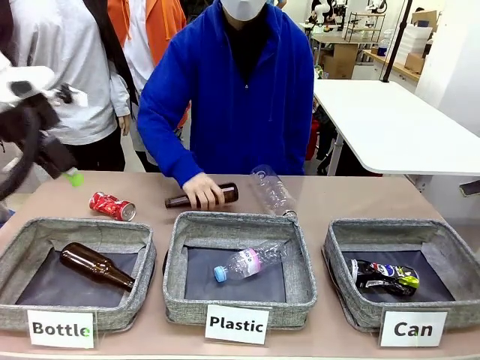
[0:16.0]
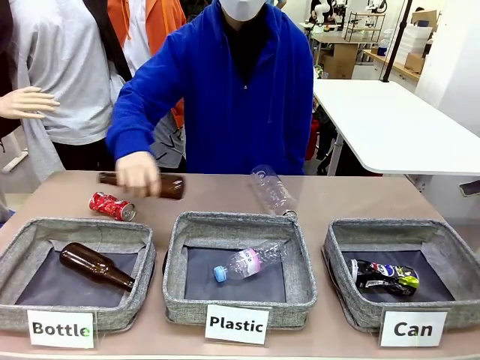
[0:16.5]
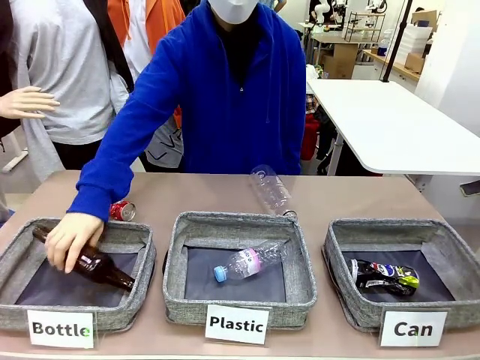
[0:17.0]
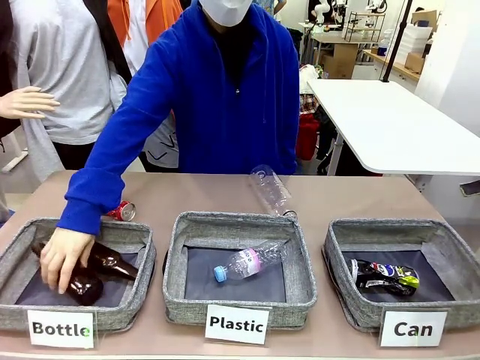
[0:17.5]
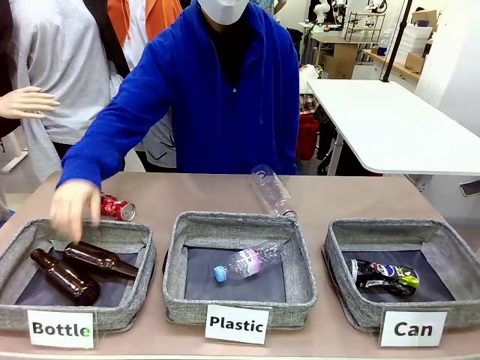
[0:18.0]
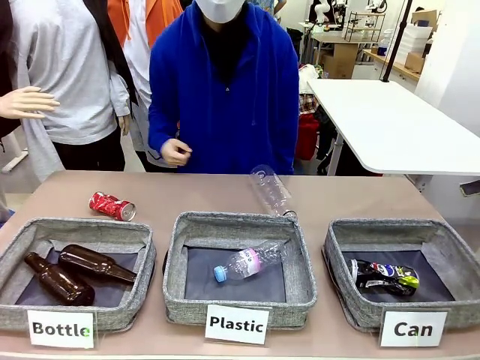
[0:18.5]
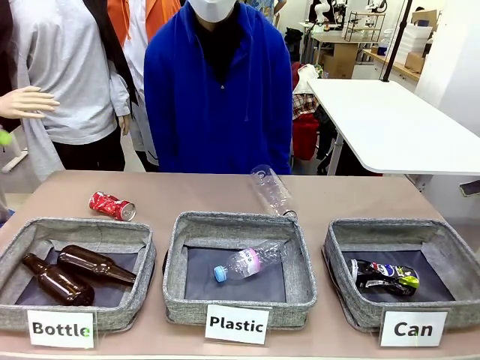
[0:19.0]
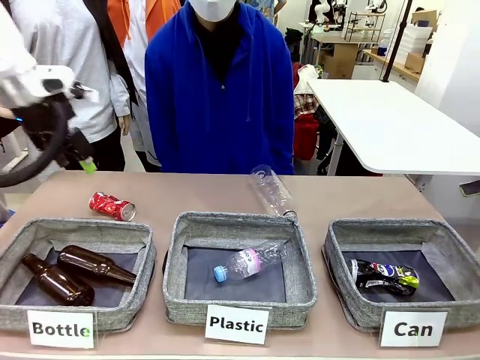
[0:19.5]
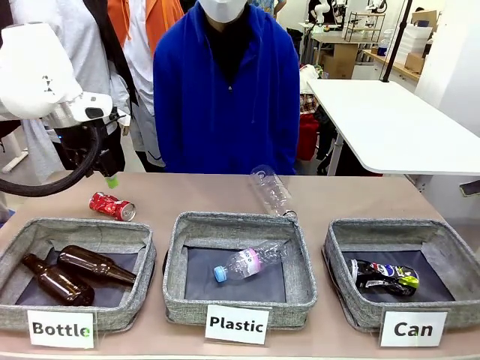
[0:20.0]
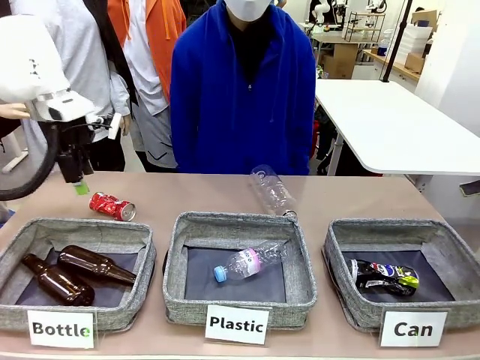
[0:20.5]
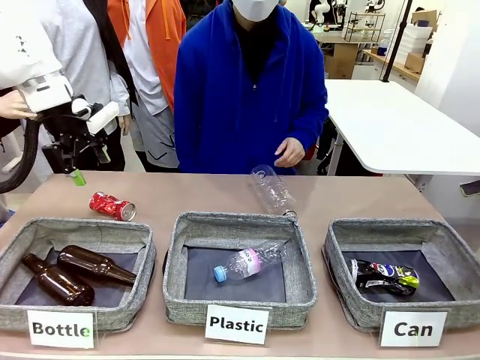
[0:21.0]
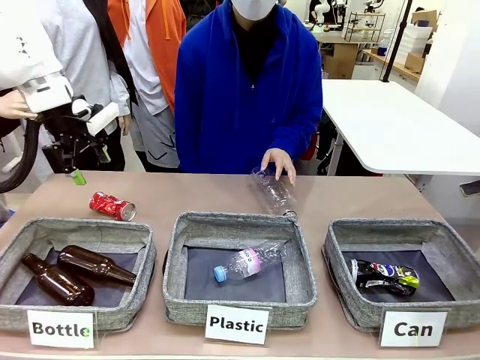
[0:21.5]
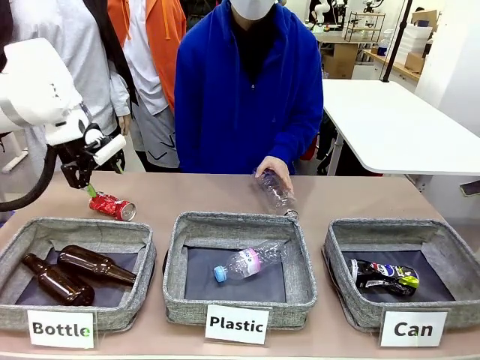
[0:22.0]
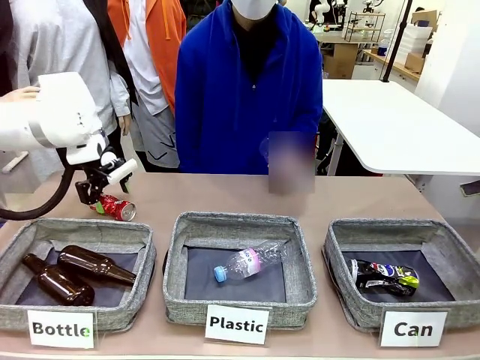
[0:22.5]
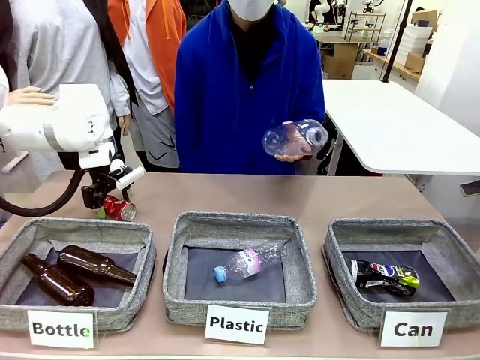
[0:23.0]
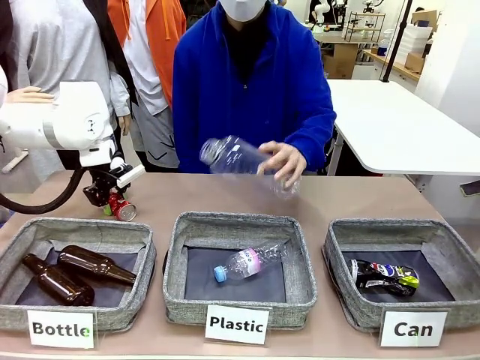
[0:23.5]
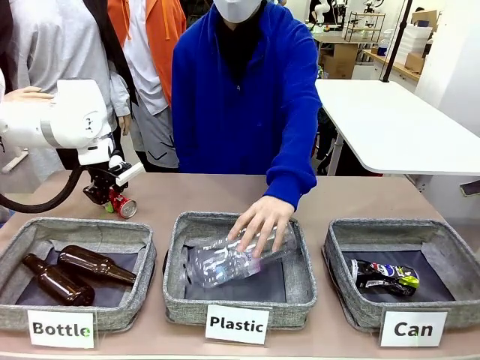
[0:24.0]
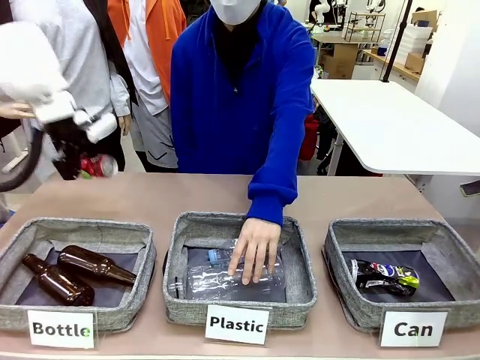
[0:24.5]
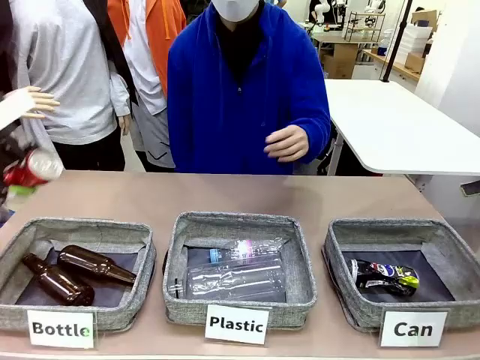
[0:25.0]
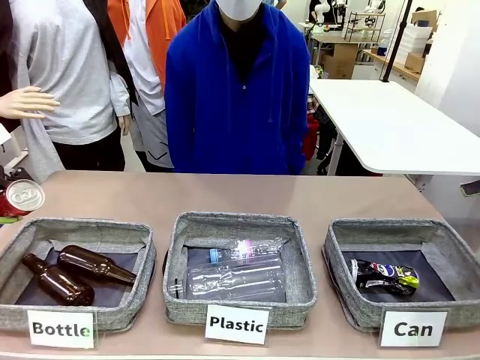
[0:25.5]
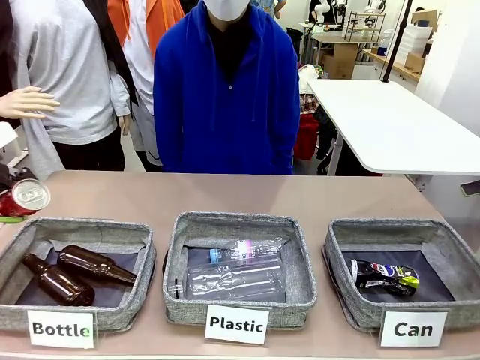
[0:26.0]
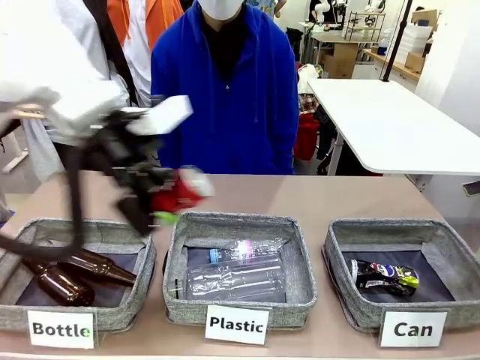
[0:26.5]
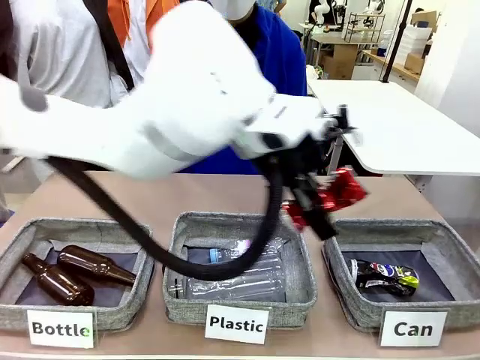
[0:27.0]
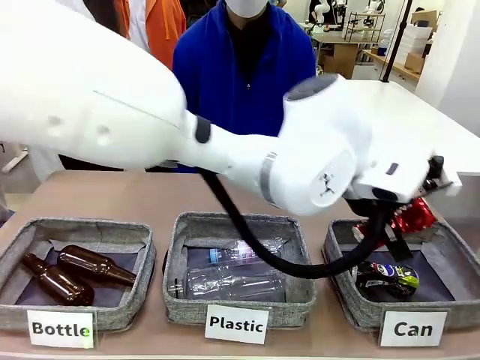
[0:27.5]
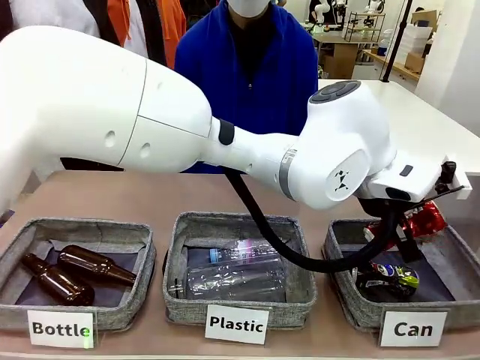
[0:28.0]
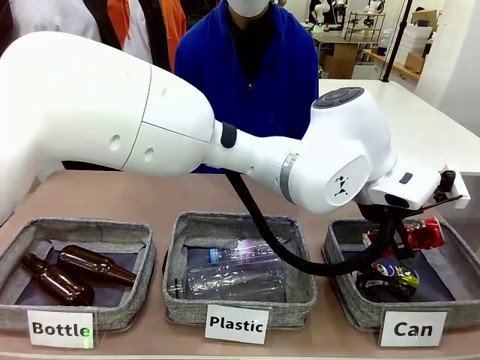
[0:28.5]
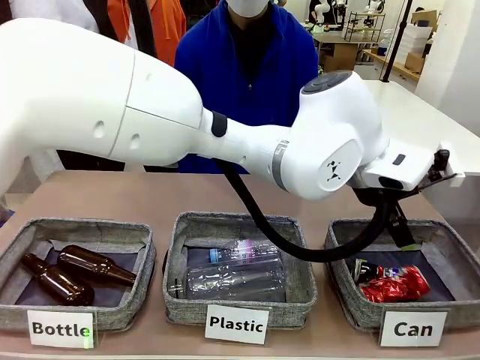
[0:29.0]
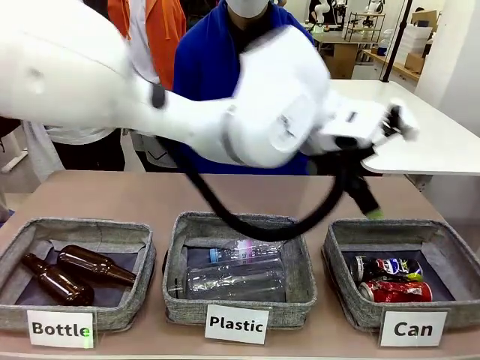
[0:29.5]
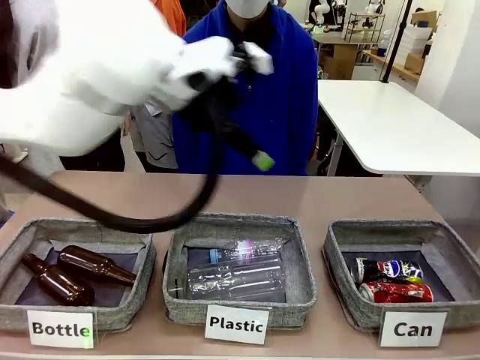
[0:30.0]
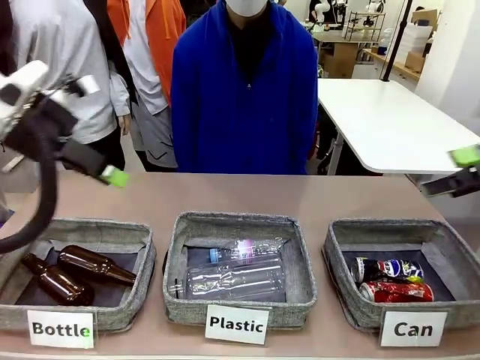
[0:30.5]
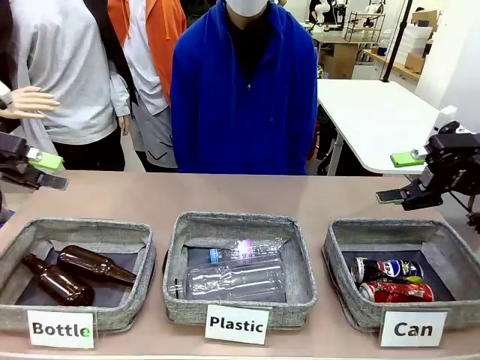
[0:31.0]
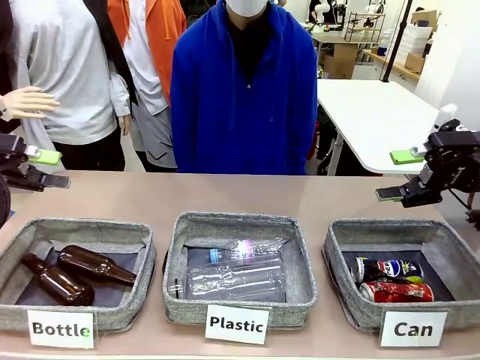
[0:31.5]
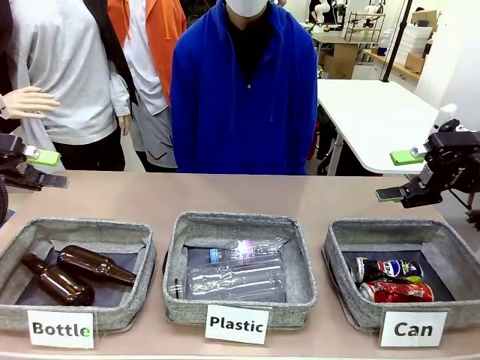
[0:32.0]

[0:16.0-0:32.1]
Task: Sort the can waste into the basket.
Robot: Pick up the can waste from the table and place it in the right Fabric basket.
Person: The human picks up one piece of trash that is not a can and places the trash into the appropriate organizing basket.
